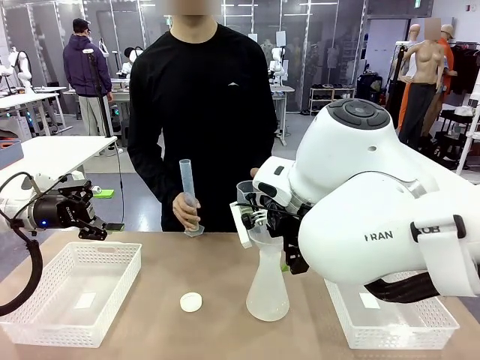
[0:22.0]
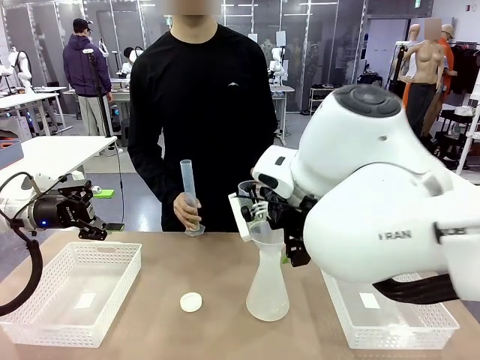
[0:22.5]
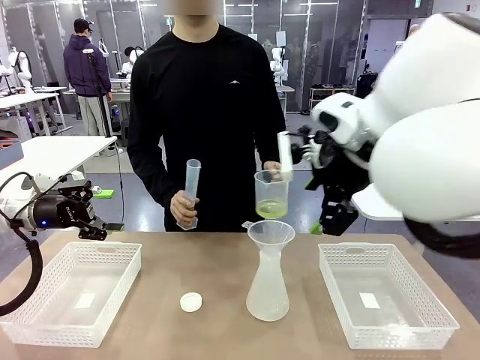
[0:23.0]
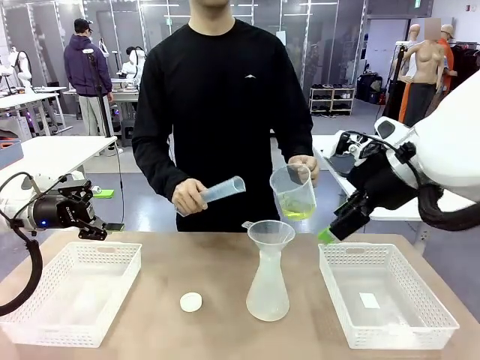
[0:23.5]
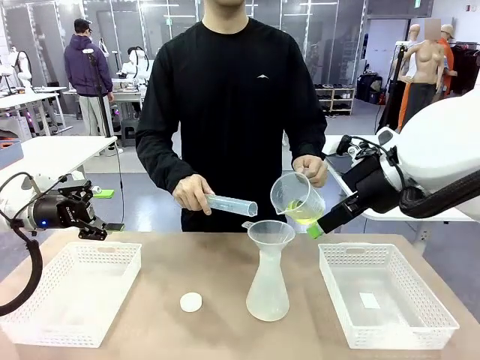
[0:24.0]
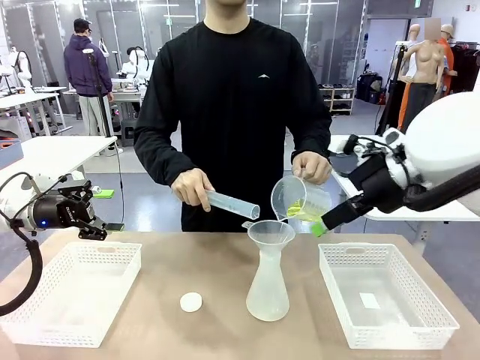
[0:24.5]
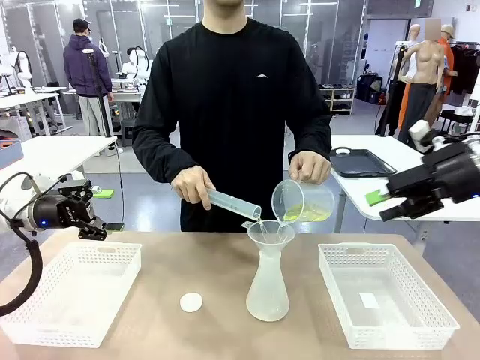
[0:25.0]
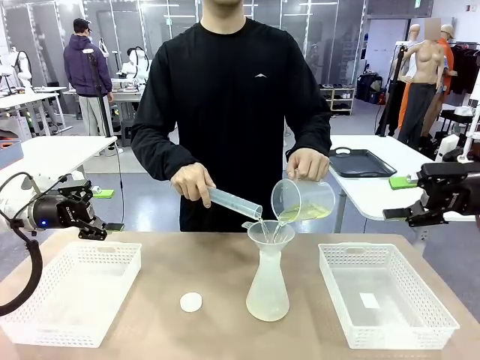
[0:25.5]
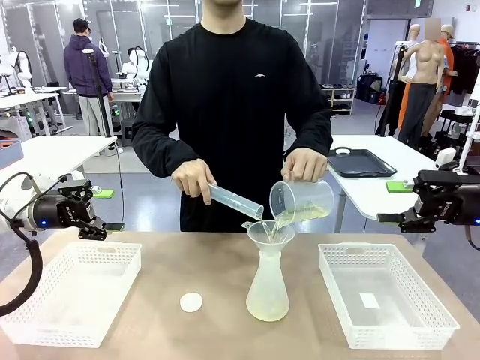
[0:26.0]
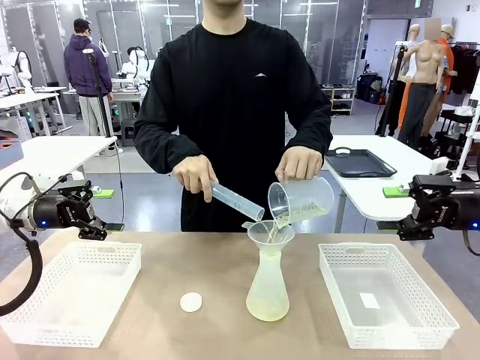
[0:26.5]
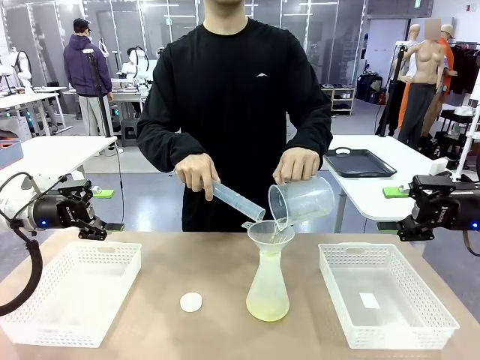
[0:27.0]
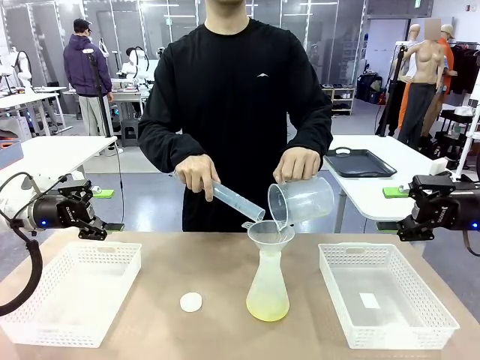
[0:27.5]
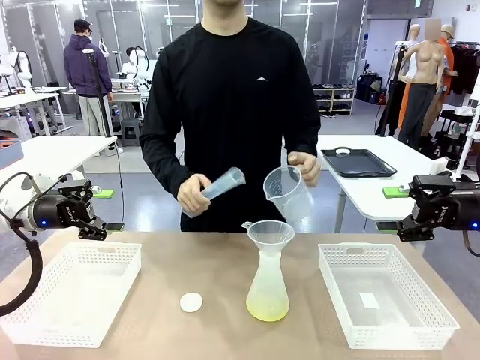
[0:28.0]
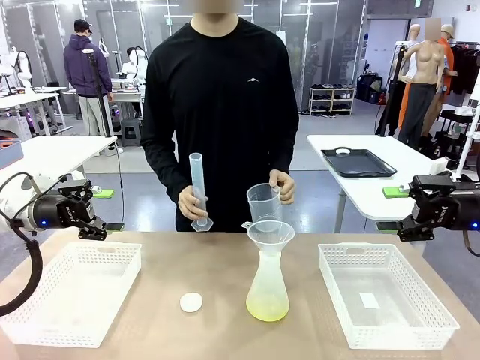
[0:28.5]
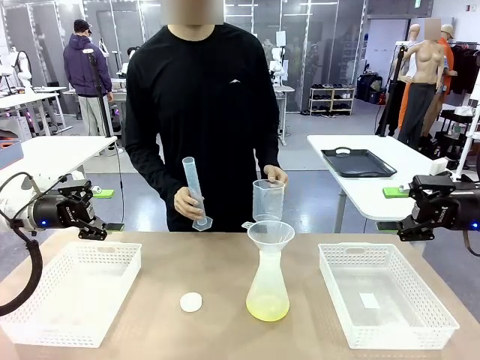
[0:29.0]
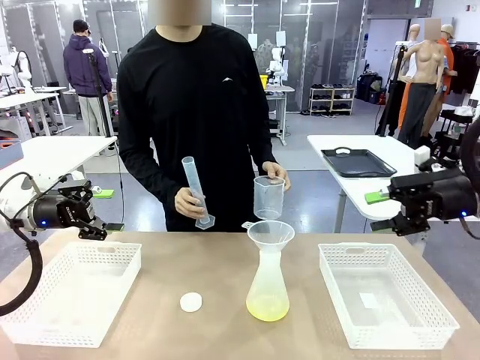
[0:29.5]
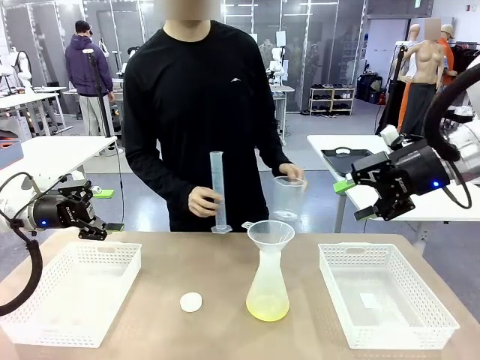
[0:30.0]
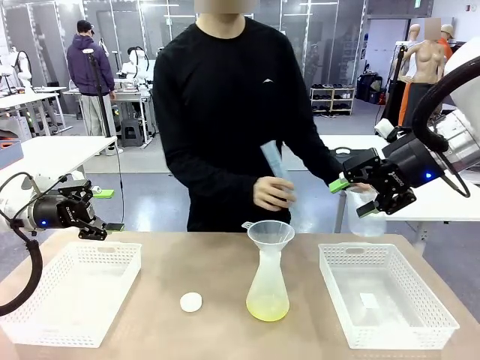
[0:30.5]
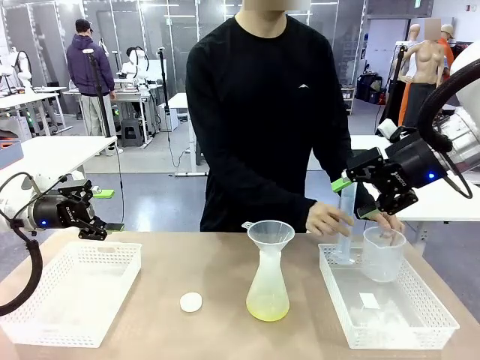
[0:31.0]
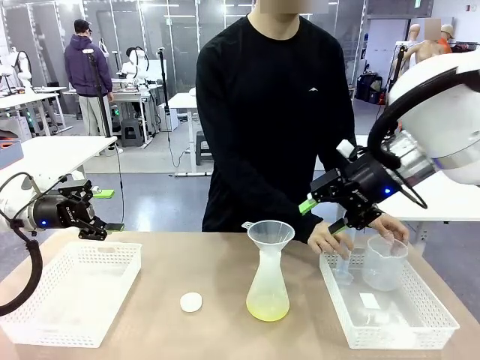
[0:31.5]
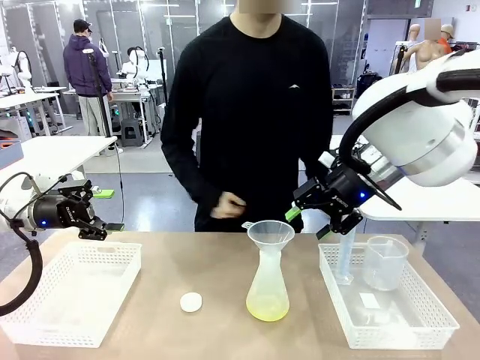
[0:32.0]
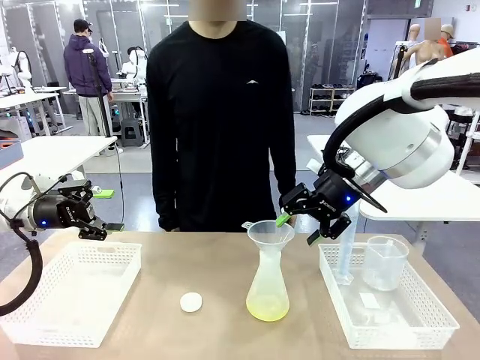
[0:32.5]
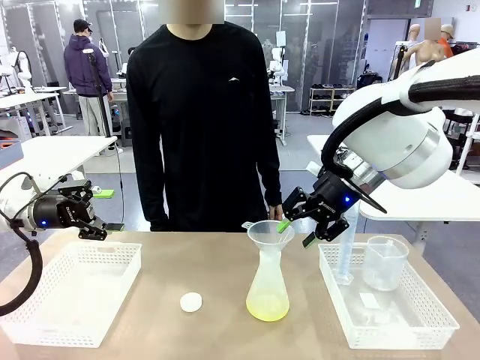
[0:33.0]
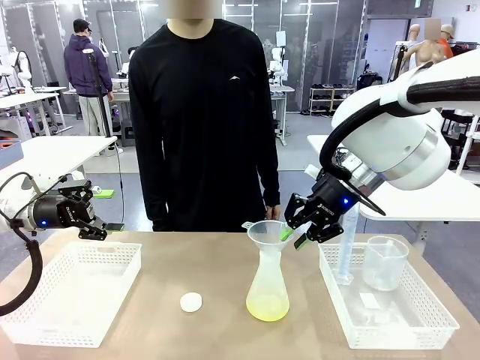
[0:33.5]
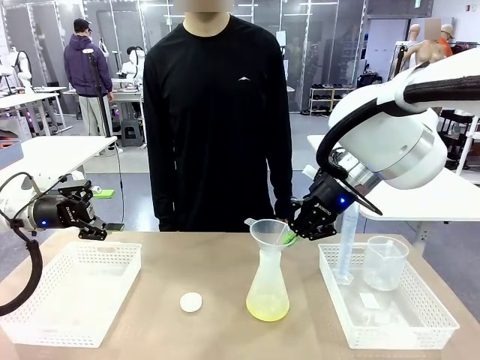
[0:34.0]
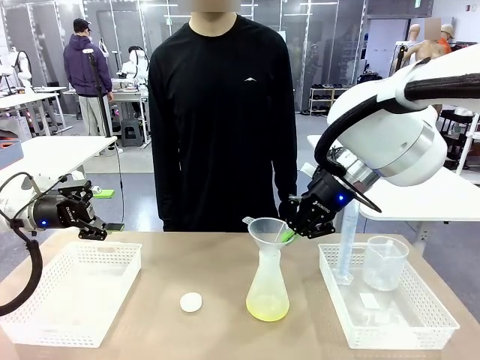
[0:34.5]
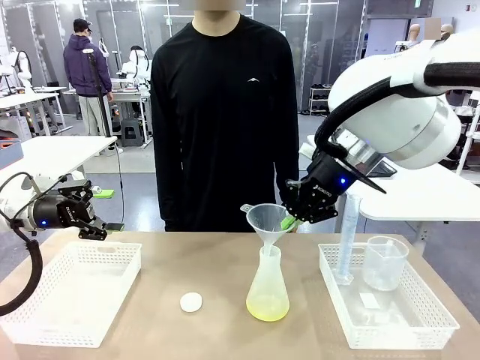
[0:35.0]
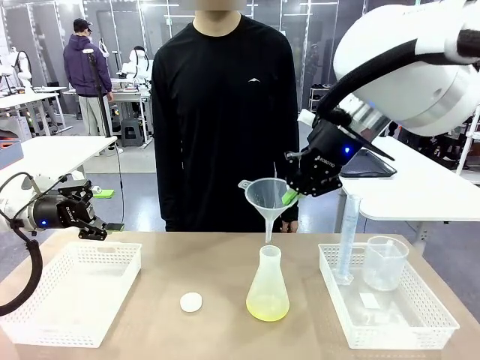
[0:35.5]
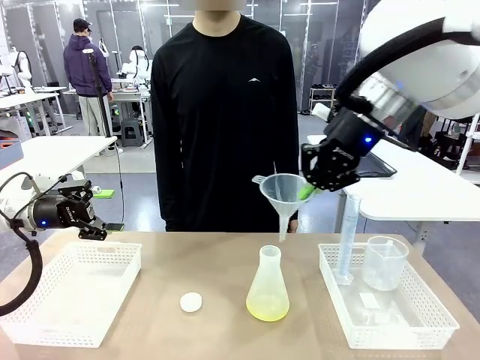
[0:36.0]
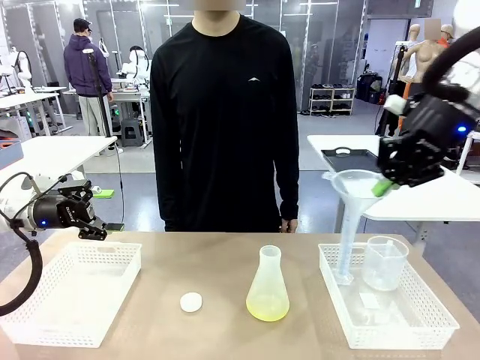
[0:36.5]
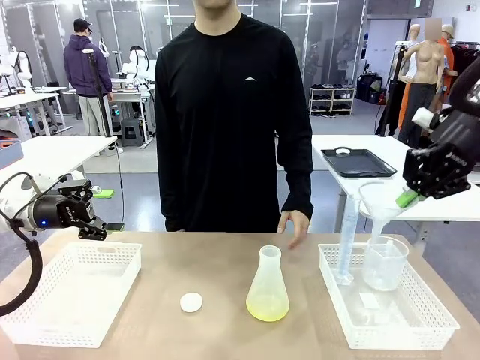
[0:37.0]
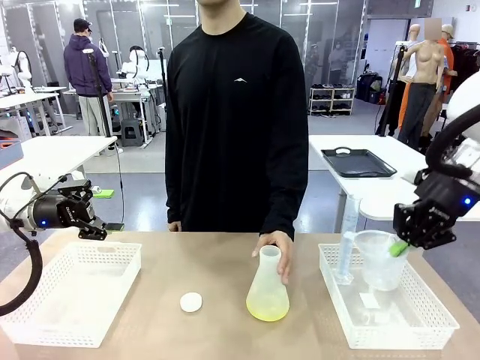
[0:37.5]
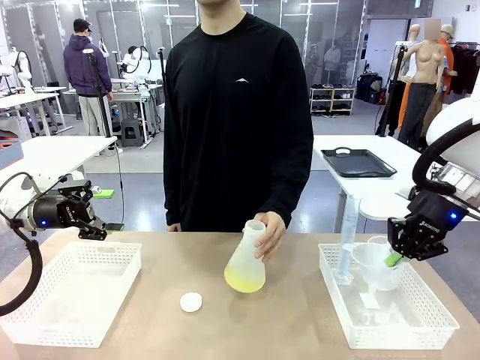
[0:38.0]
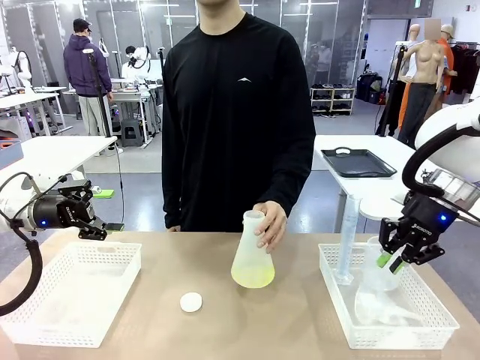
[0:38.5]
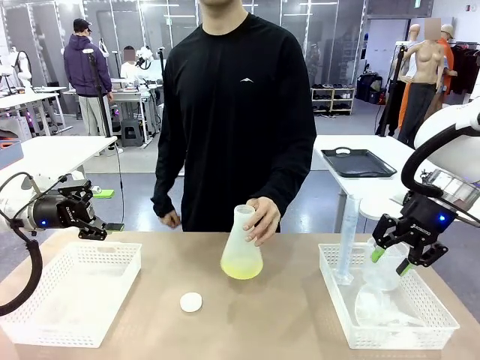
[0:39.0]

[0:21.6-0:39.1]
Task: Prepare the solutions needed for the experiment.
Robot: Once the solution is in the Big flask , pick up the Plastic Funnel and place it back into the right Organizing basket.
Person: Place the beaker and the cylinder into the organizing basket on the left side. Pick up the flask, gently shake it 2–3 times, place it in the middle of the robot table, and close the lid.

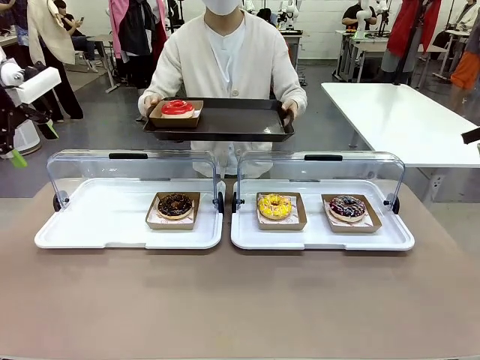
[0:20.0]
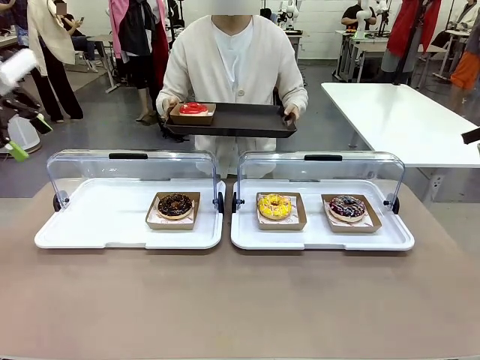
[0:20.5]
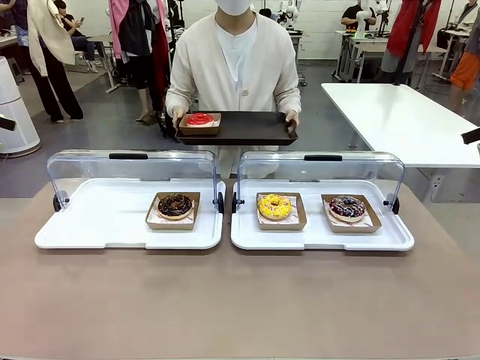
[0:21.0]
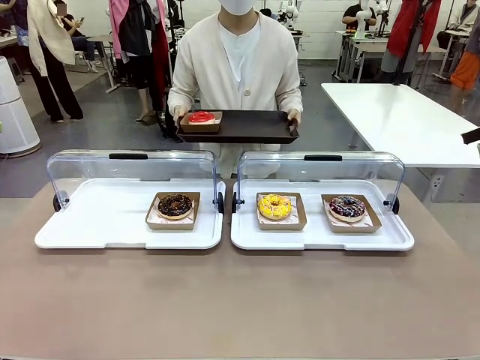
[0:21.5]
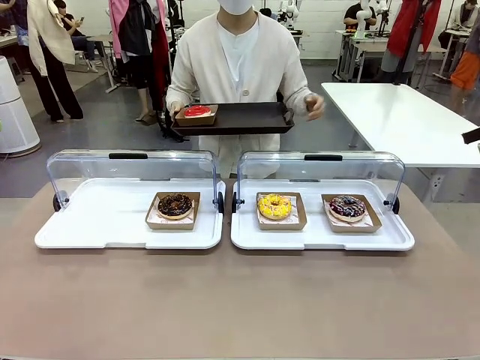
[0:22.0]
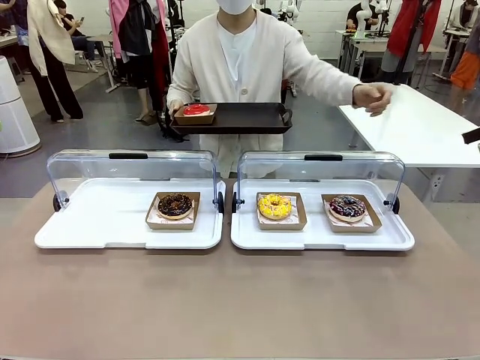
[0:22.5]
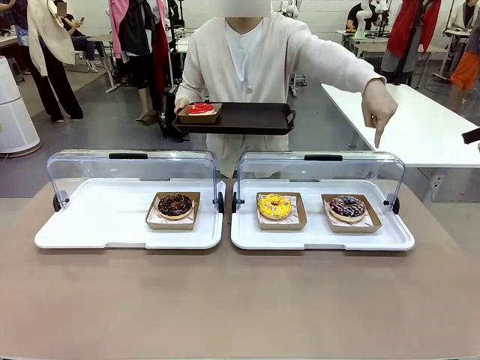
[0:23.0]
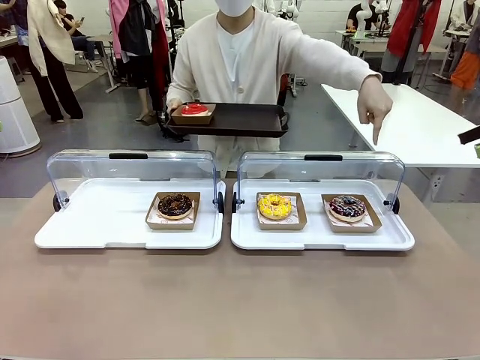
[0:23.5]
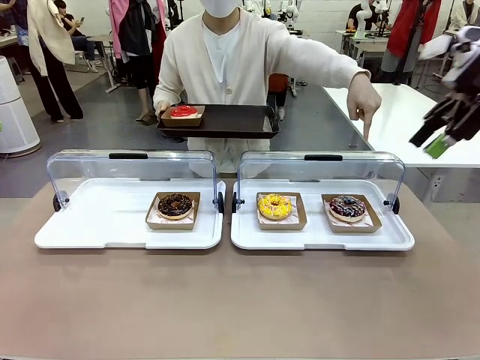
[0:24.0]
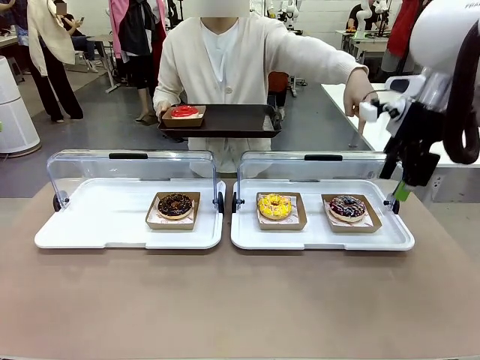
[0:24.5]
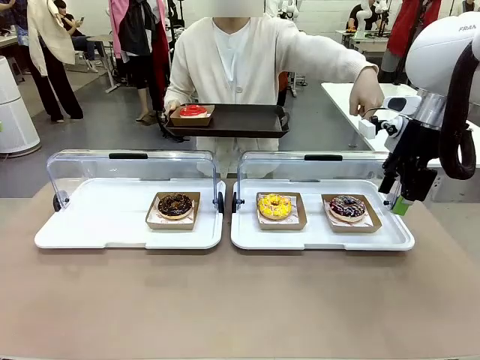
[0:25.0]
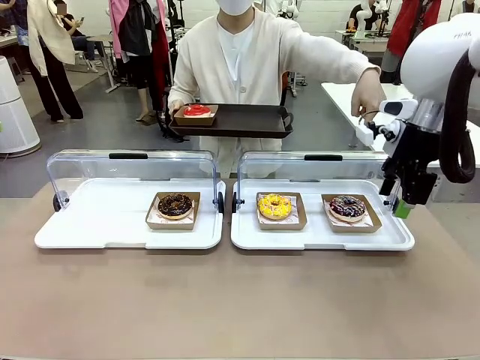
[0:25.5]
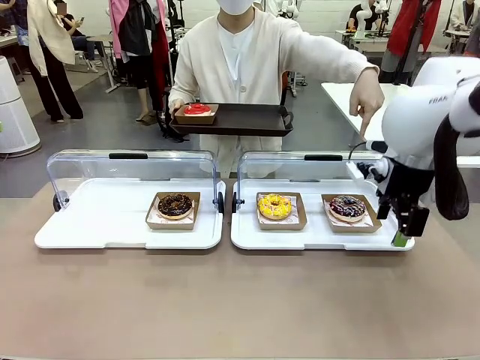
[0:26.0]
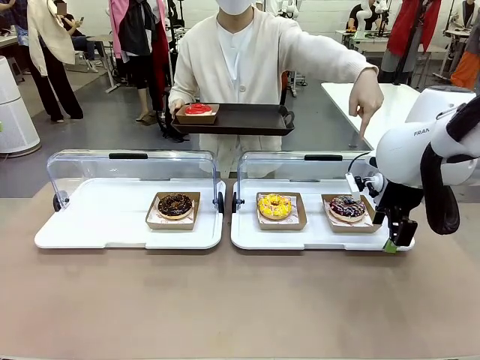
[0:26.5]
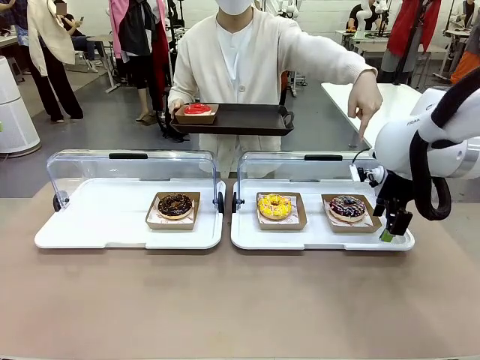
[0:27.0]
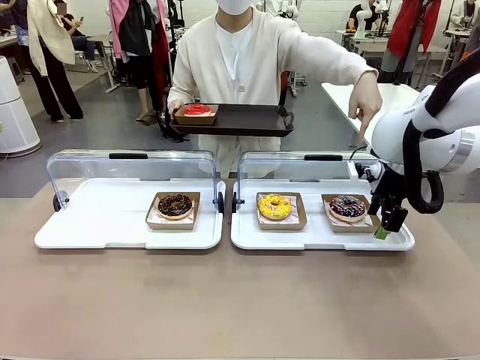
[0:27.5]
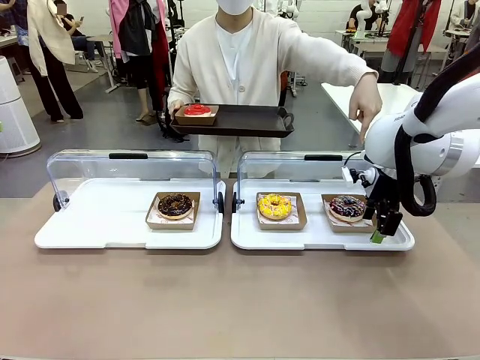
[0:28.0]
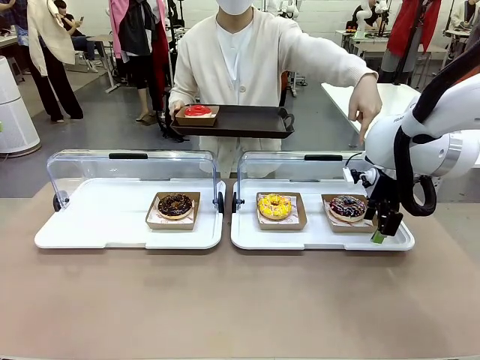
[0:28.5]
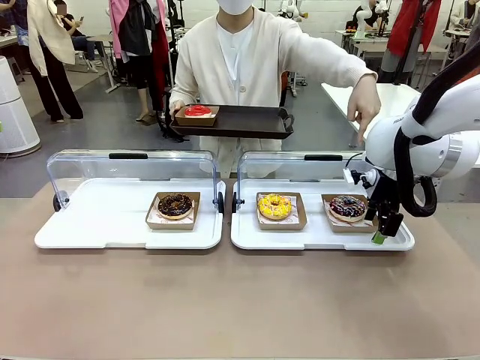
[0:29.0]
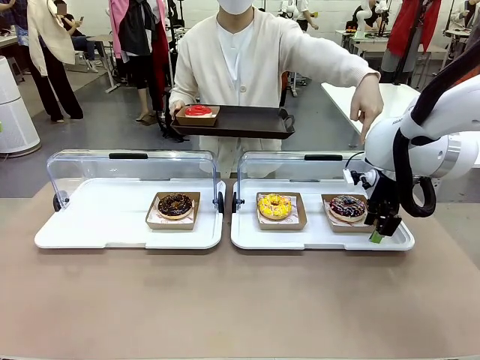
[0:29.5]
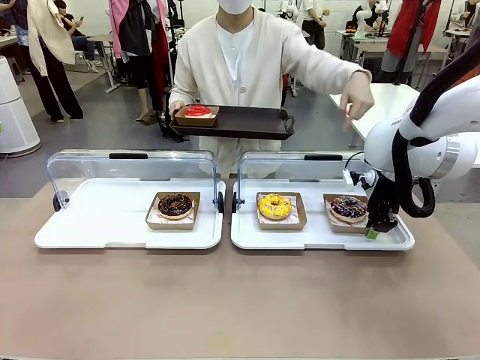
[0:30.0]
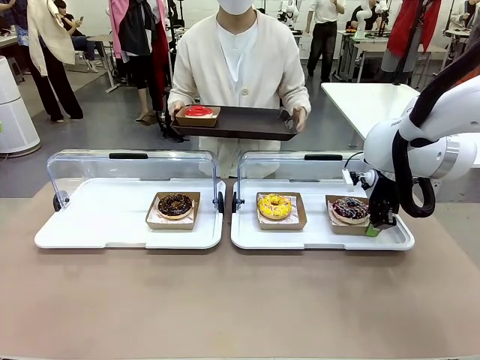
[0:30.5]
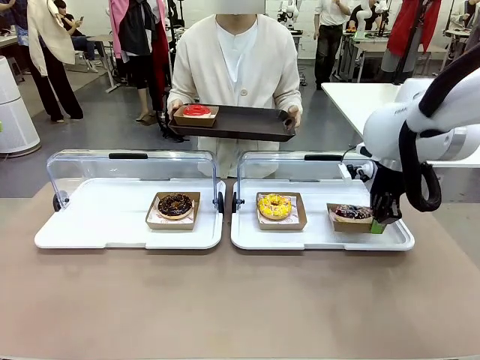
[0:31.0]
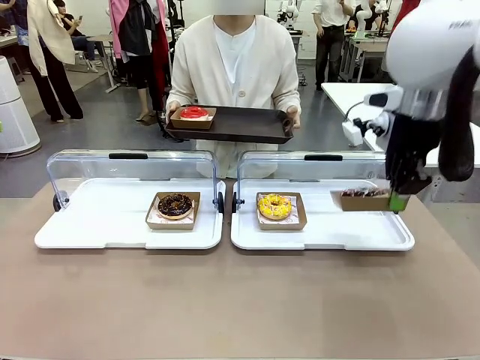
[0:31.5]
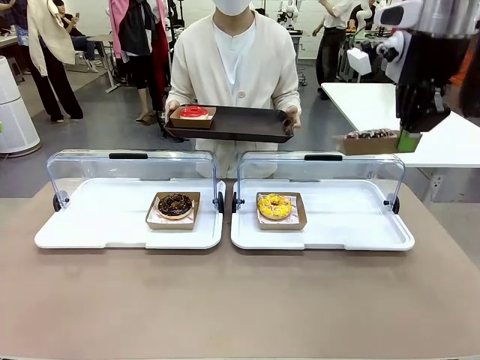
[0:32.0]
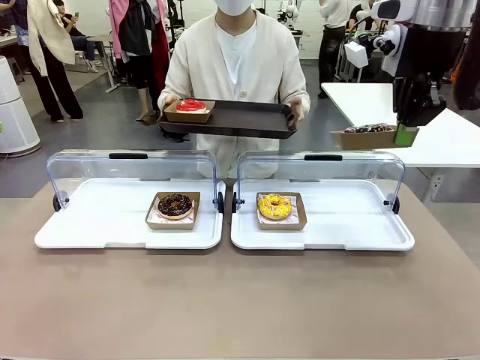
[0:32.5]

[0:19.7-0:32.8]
Task: Provide the desired donut to the person.
Robot: Pick up and lift the Paper togo box containing the Donut pointed at by the person.
Person: Point to one donut. Lift the tray onto the Roll-Top Bakery Case.
